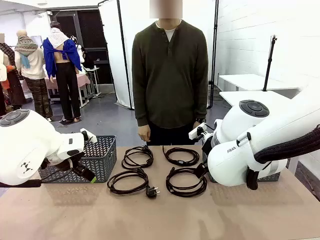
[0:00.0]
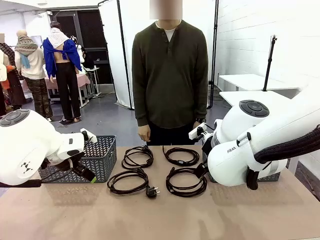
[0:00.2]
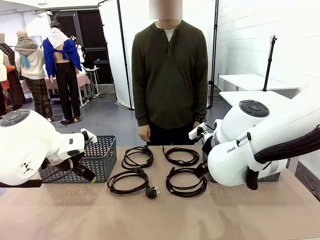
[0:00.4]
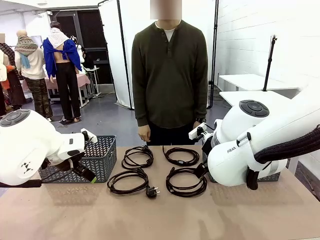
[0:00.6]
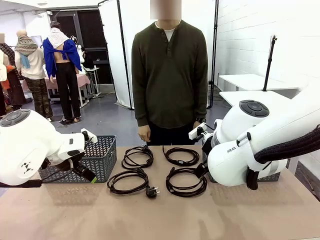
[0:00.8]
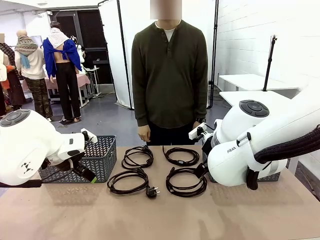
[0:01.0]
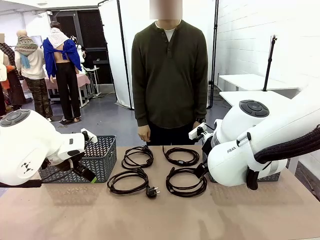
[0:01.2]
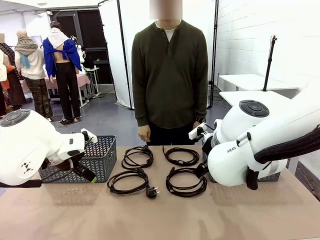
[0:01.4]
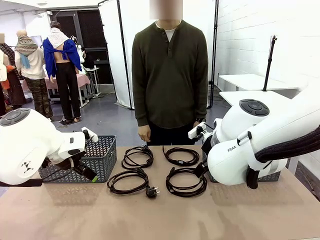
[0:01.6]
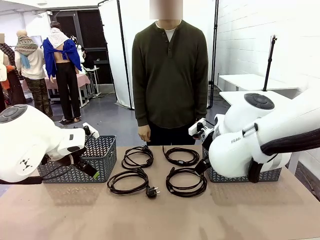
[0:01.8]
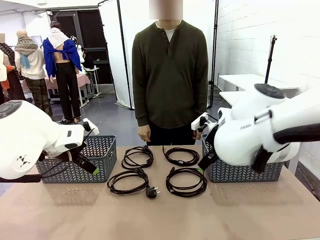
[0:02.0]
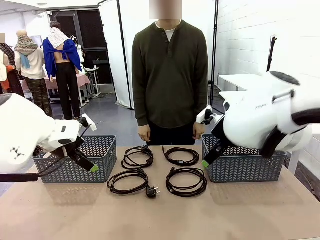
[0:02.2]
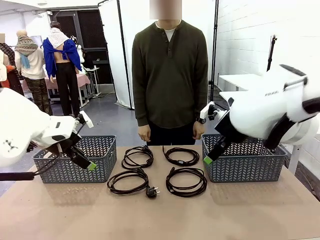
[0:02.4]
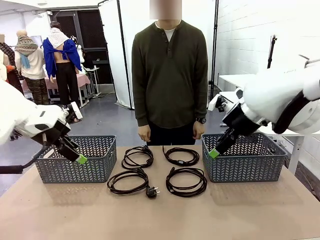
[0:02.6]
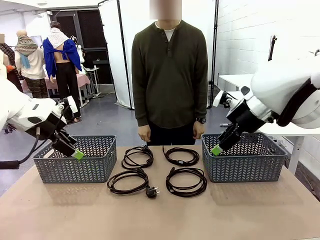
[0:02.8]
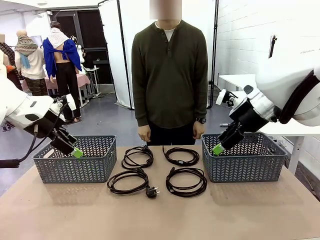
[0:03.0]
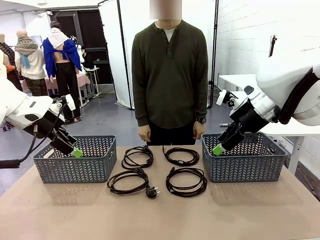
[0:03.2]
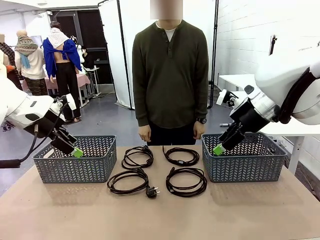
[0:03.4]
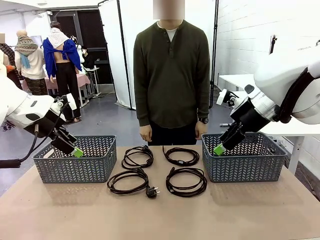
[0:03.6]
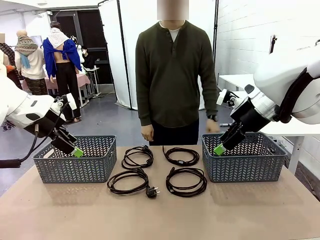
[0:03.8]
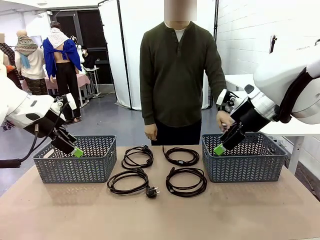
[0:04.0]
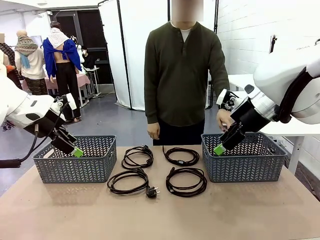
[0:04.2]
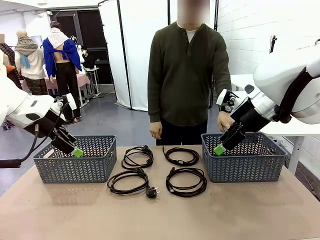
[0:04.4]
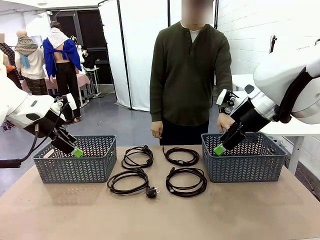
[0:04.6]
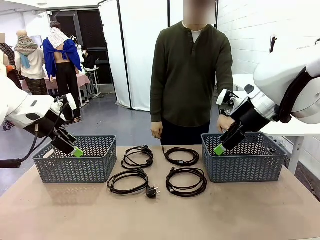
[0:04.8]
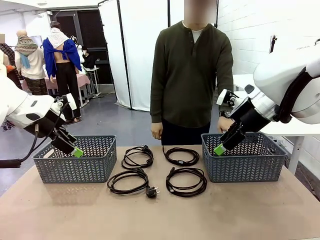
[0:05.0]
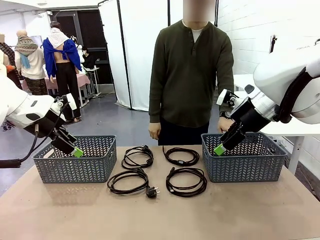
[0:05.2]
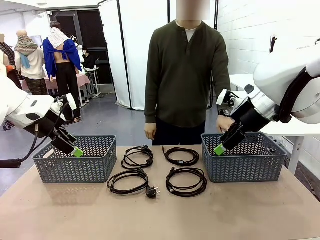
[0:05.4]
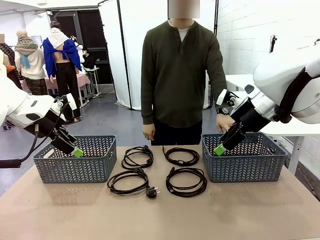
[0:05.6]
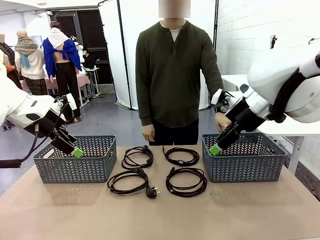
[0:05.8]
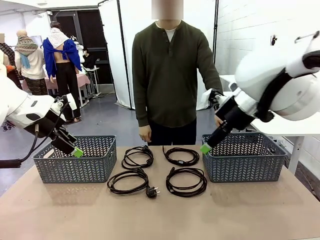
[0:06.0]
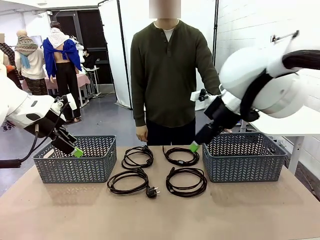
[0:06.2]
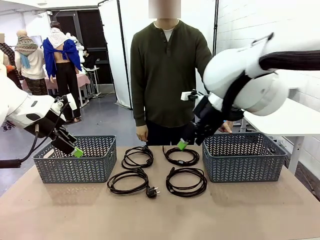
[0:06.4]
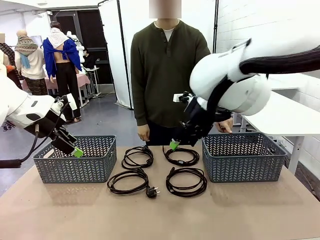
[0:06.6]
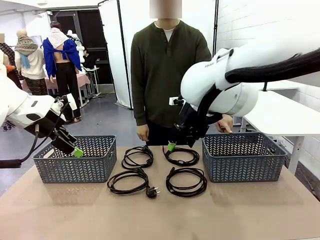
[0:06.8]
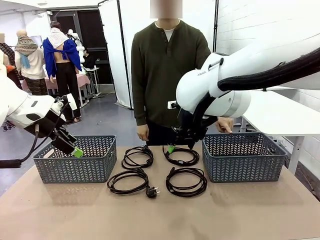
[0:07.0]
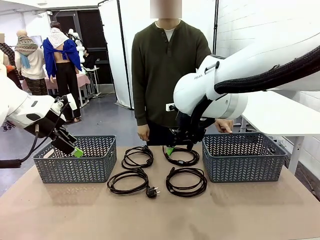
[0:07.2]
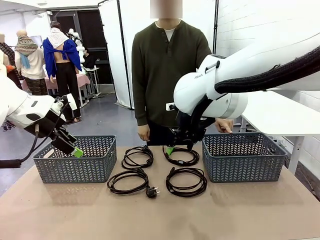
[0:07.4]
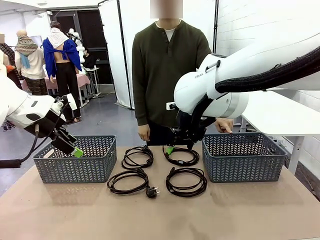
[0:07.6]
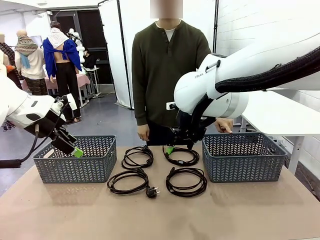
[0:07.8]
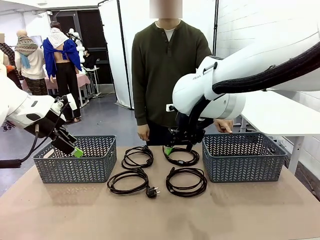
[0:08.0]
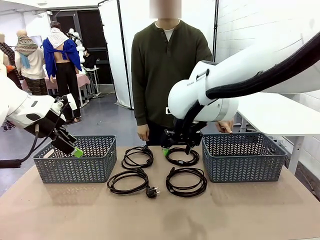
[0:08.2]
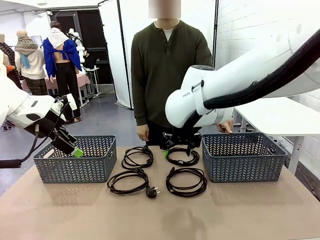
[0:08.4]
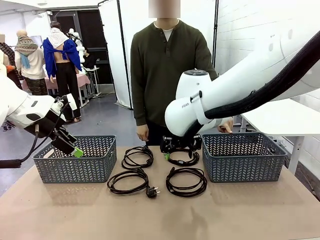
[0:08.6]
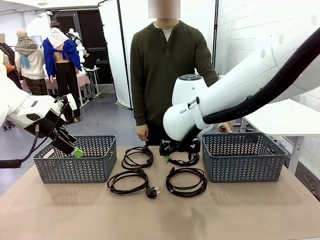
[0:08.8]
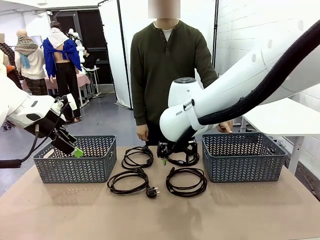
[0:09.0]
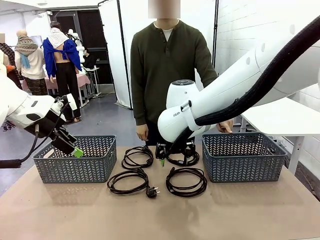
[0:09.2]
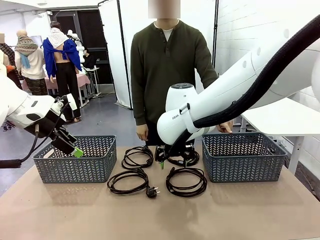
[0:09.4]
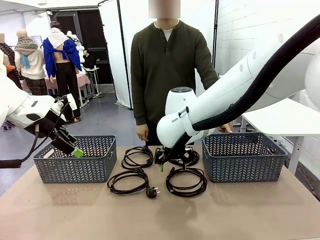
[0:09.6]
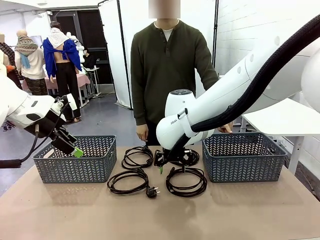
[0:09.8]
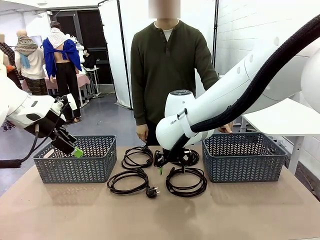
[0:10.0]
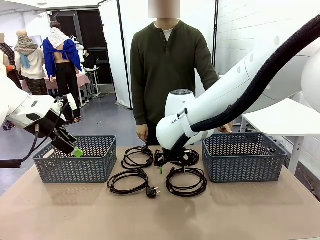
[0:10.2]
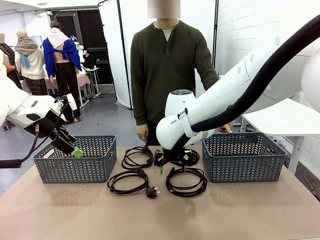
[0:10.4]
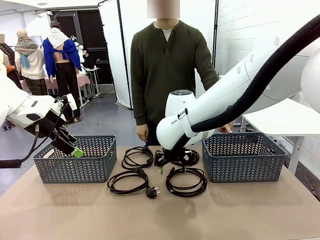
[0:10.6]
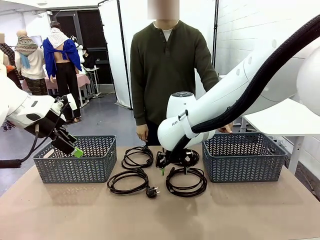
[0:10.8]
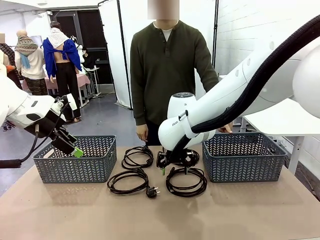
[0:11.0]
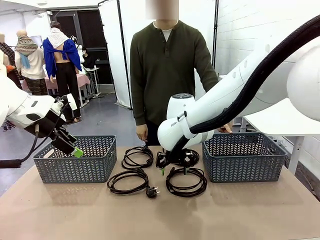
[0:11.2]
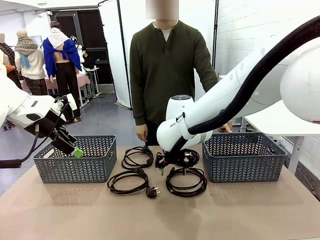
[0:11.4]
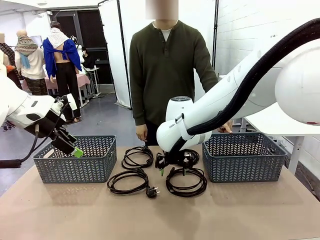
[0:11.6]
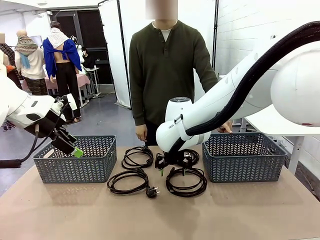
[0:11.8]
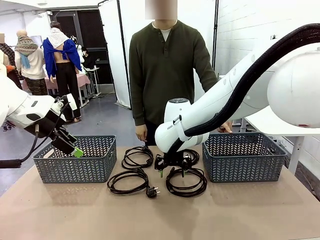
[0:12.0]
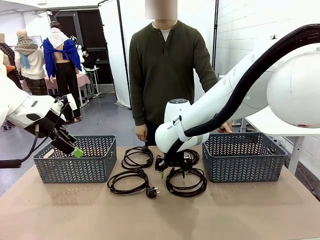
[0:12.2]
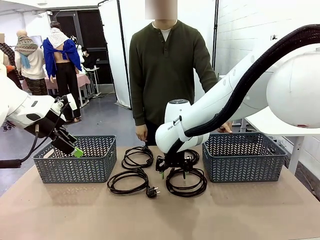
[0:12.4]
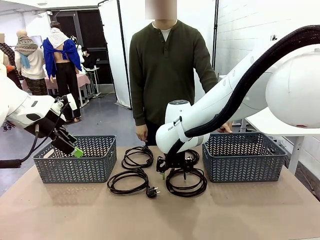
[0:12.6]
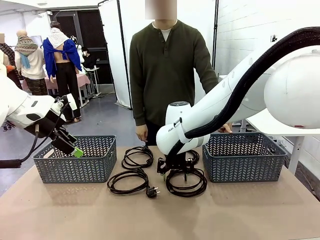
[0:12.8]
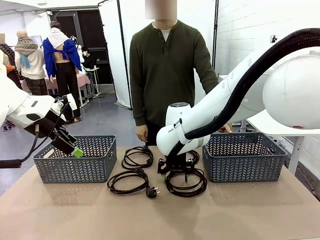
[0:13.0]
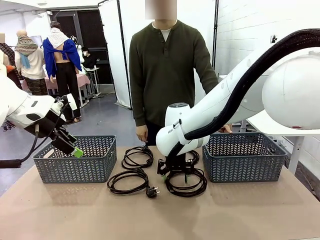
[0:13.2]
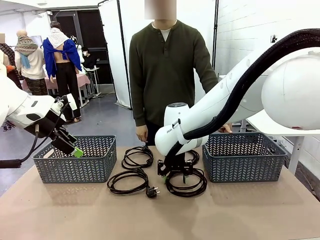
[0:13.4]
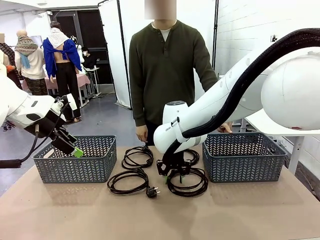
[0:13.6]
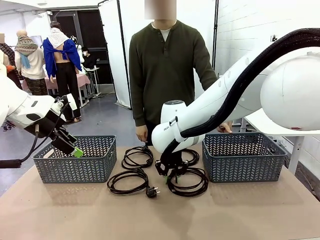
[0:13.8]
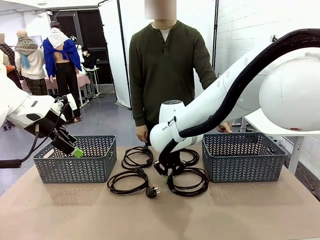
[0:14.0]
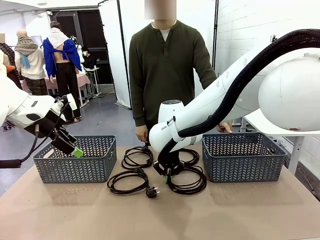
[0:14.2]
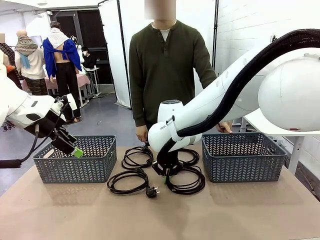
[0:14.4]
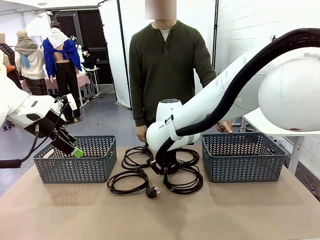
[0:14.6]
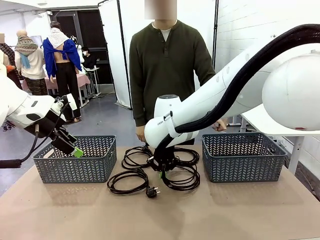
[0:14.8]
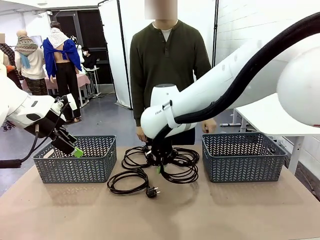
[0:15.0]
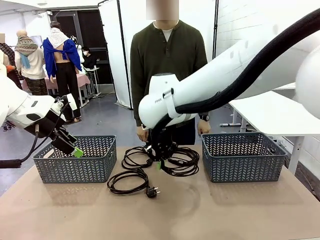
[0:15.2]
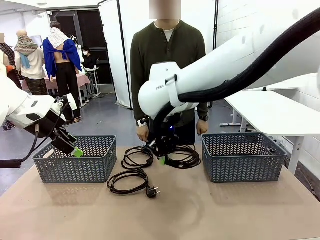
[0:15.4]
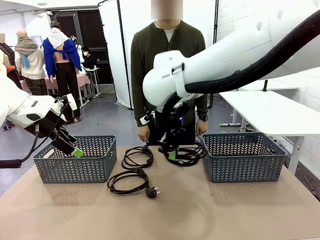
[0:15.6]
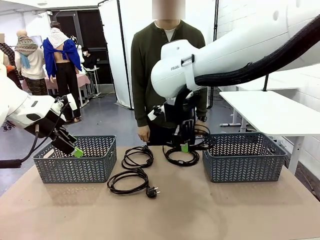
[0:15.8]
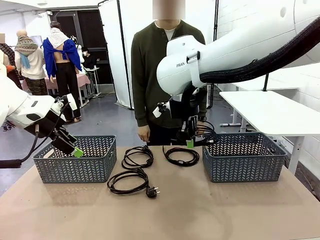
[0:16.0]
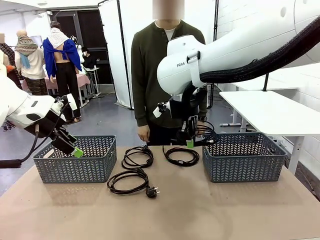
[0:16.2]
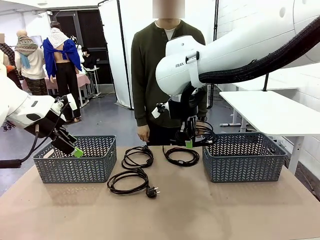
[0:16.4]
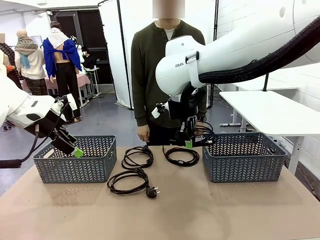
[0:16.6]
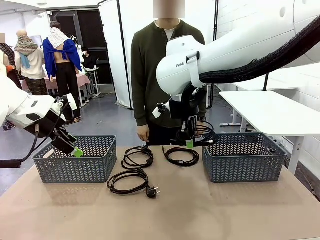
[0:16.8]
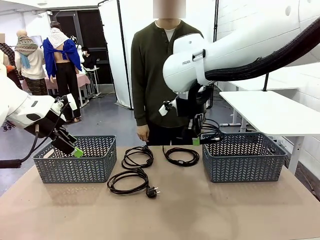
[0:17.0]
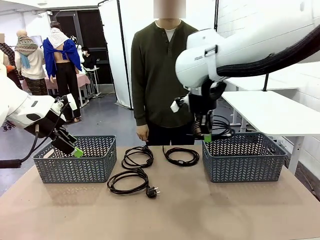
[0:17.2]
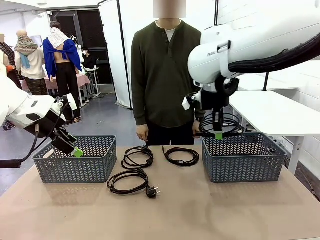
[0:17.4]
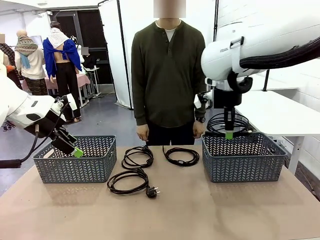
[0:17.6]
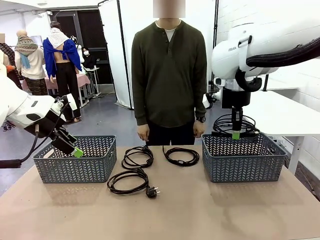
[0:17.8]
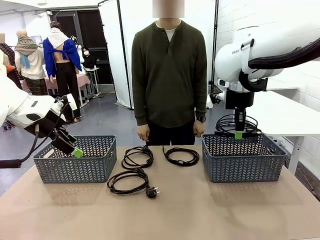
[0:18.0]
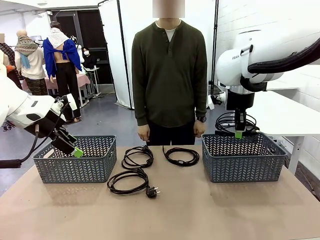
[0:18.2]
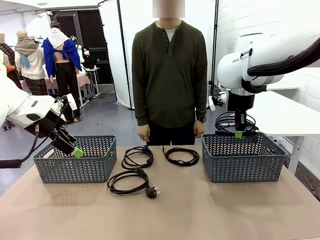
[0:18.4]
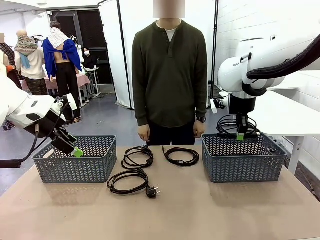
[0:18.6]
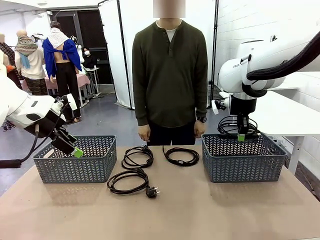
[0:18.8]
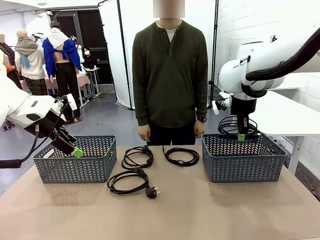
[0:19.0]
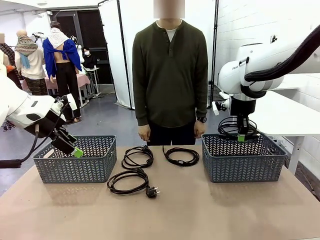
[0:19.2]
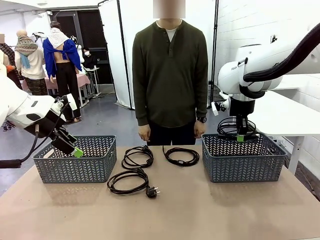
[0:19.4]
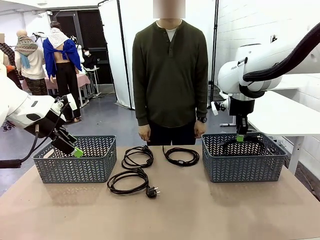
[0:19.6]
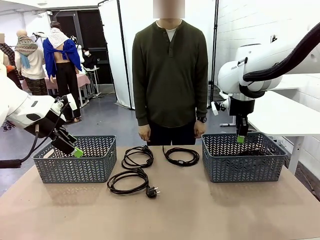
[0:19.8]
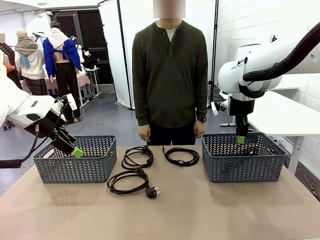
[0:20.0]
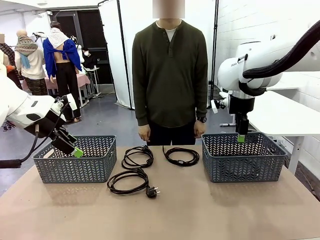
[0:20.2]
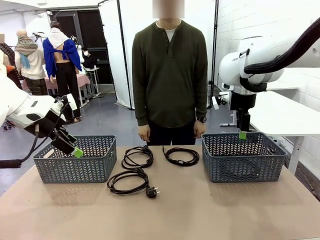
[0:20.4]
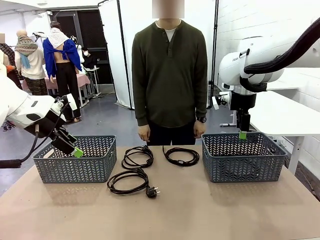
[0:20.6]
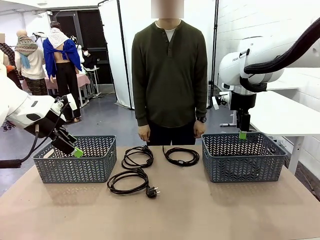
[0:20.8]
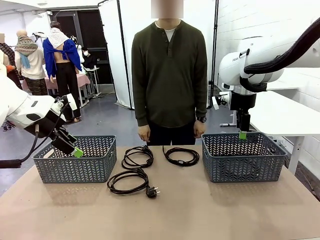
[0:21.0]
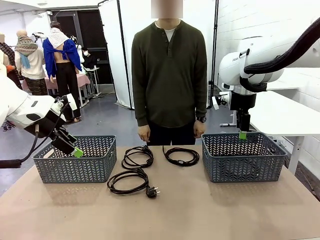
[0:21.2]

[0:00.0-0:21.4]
Task: Organize the cables according to human instructions.
Robot: Pick up a bundle of cables and place it in the basket indicated by the human.
